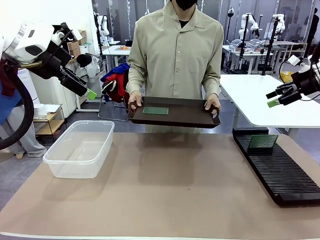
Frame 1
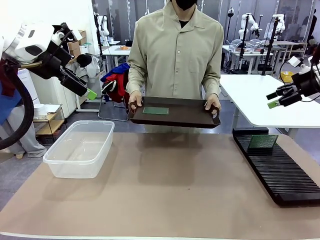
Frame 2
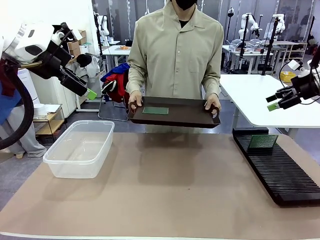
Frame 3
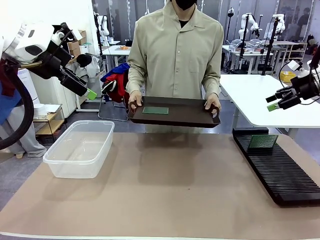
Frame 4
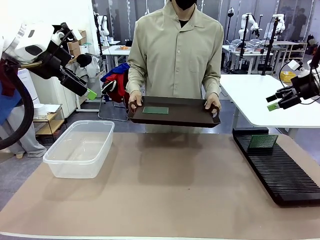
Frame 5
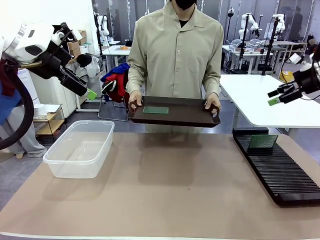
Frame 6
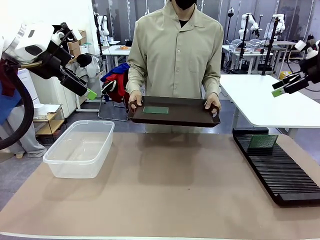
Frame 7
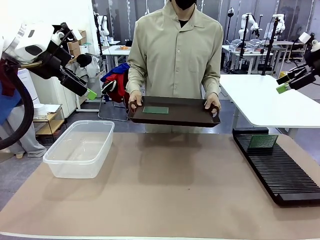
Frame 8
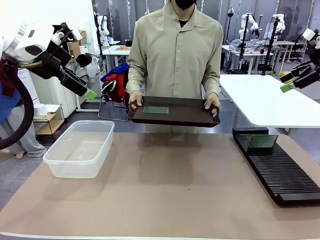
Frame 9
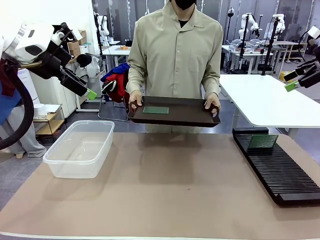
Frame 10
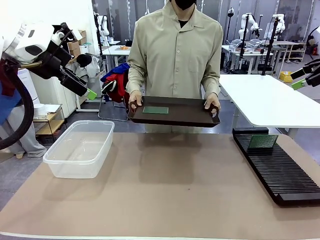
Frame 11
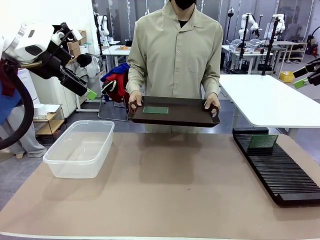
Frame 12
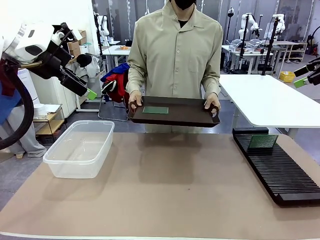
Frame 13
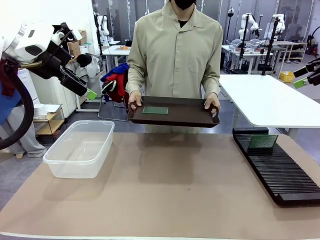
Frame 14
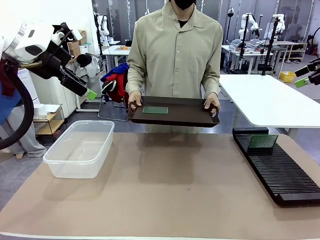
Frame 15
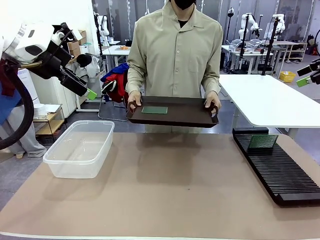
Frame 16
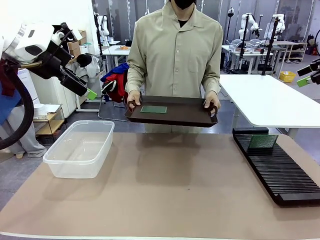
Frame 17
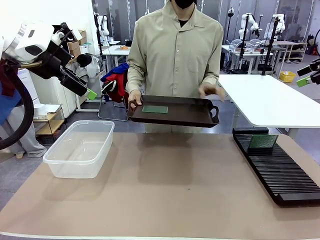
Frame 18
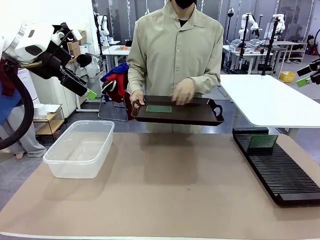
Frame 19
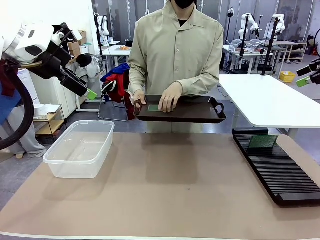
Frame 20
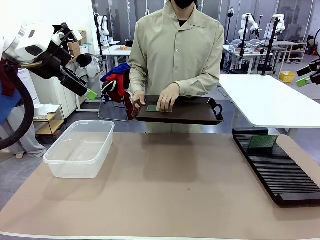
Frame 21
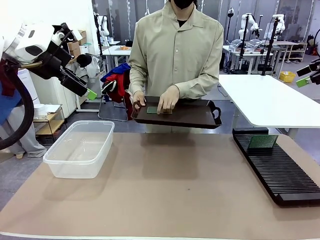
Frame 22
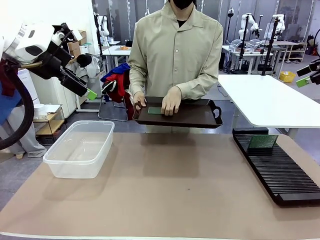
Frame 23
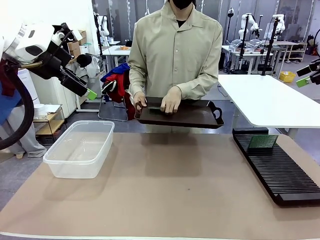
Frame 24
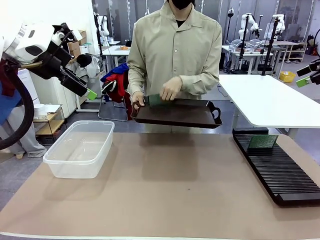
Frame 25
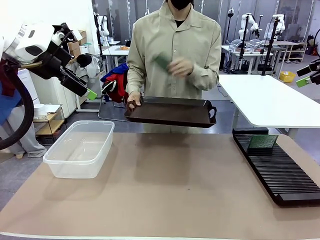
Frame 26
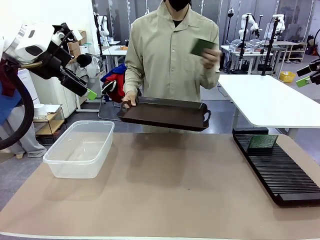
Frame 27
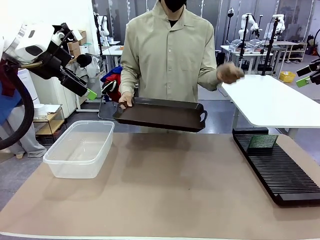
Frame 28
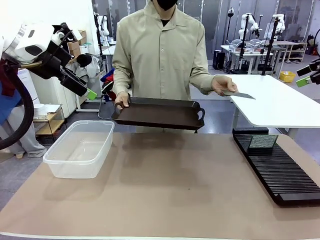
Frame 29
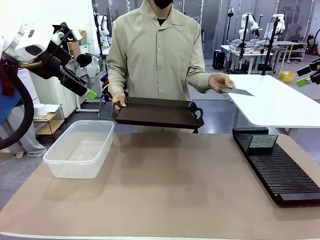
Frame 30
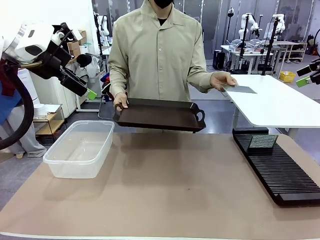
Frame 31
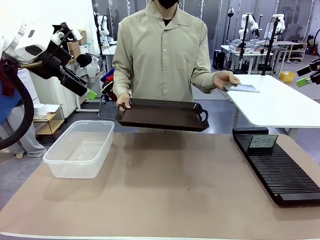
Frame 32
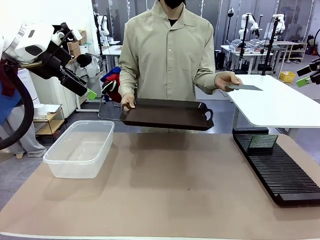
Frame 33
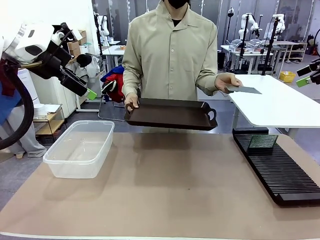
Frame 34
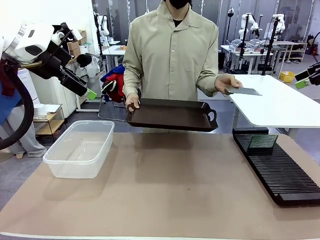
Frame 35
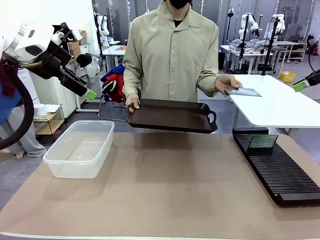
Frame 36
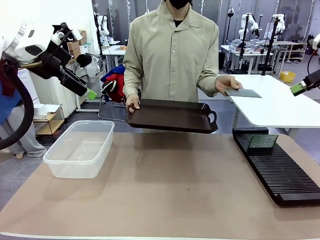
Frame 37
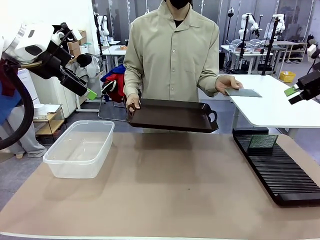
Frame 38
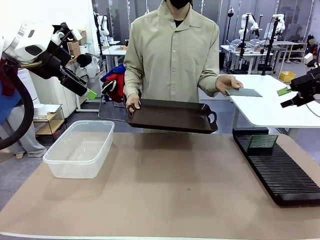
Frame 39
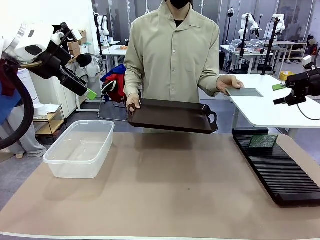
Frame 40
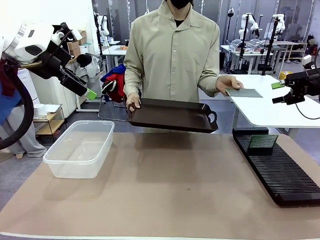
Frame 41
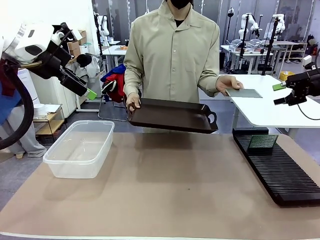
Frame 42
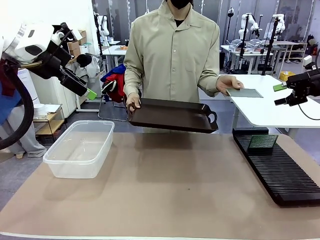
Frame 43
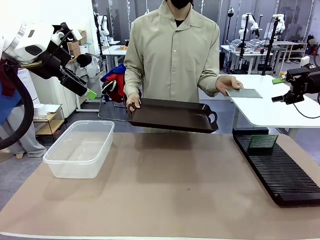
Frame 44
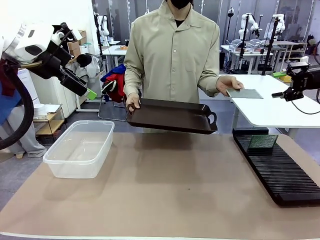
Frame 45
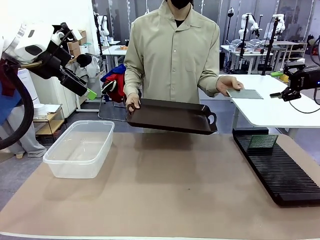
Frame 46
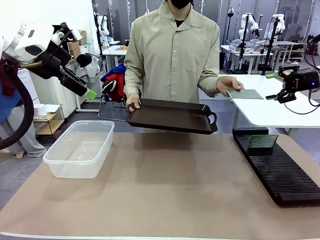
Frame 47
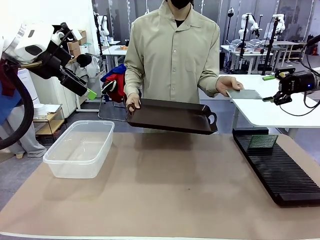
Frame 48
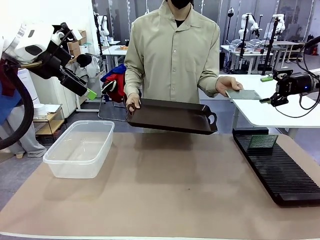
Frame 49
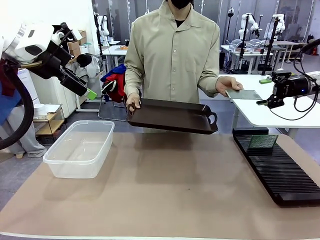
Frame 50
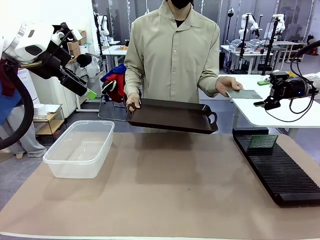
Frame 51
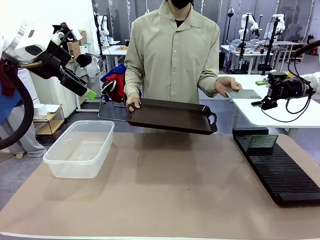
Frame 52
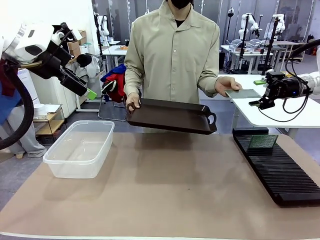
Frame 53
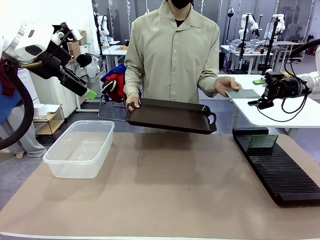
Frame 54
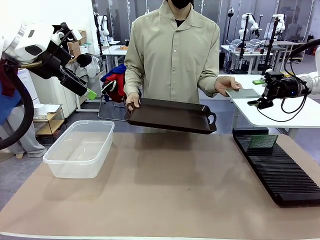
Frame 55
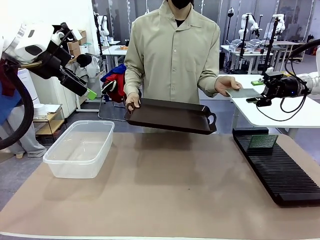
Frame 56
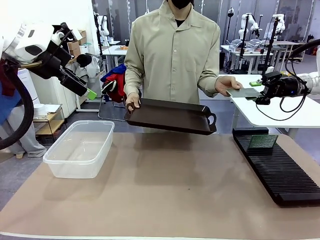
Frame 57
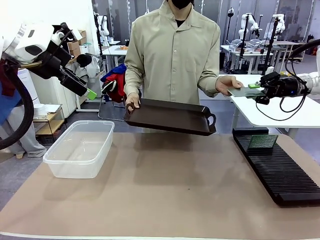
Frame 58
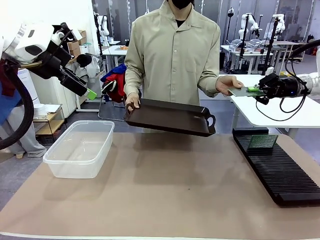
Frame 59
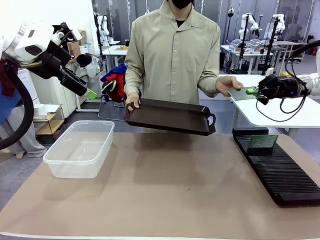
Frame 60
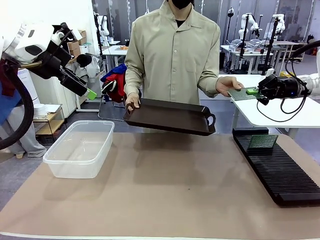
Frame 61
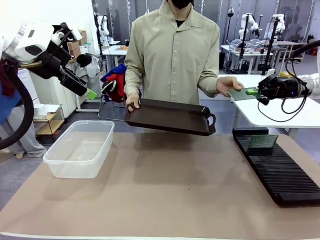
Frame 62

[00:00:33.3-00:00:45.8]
Task: Sort PCBs into racks and boxes based on the side picked up.
Robot: Pick up the Blank PCB handed by the Human.

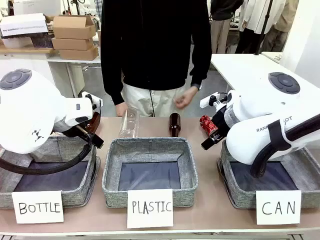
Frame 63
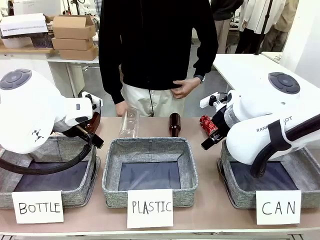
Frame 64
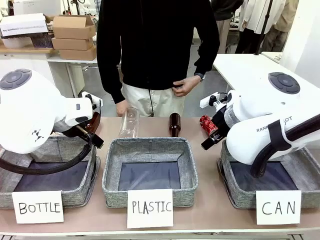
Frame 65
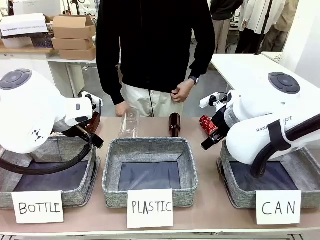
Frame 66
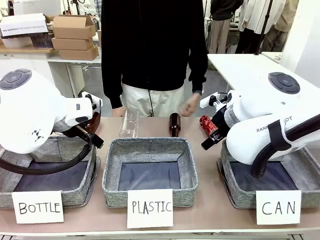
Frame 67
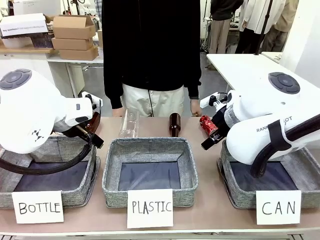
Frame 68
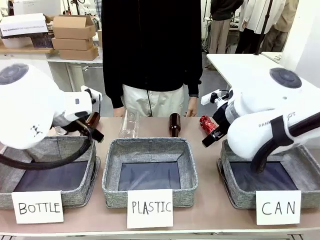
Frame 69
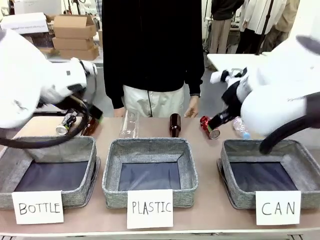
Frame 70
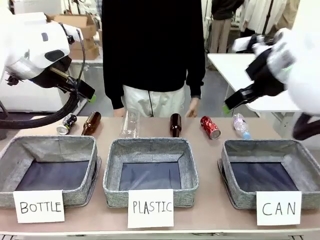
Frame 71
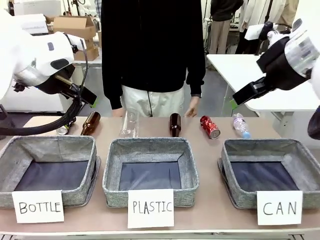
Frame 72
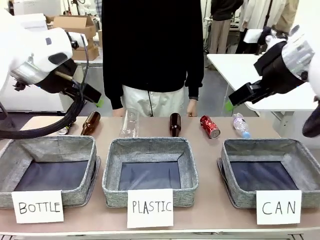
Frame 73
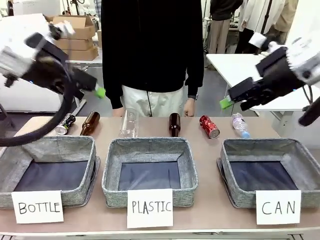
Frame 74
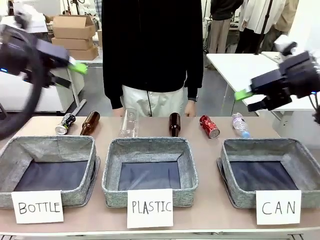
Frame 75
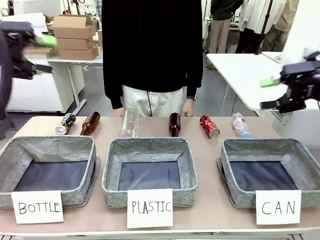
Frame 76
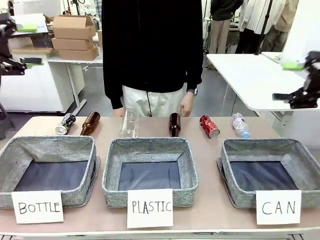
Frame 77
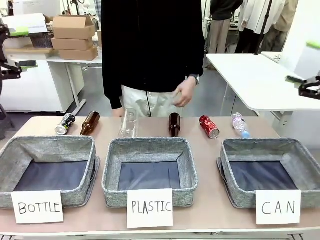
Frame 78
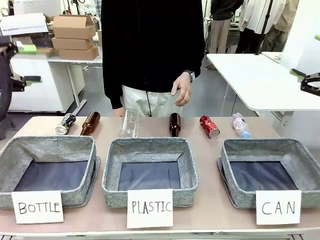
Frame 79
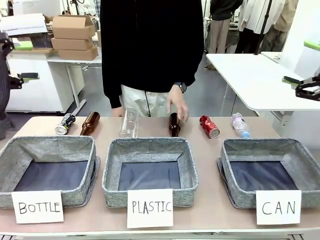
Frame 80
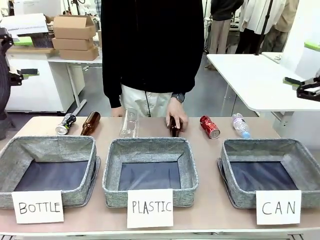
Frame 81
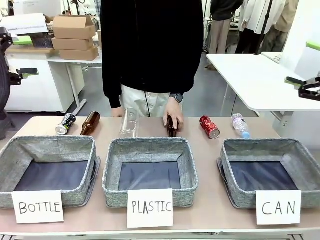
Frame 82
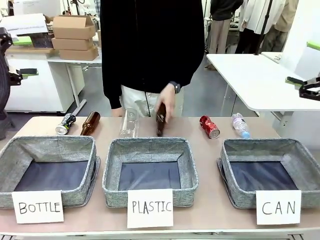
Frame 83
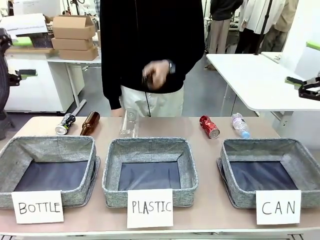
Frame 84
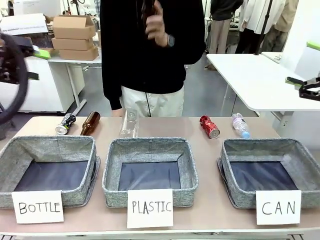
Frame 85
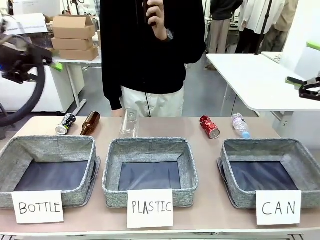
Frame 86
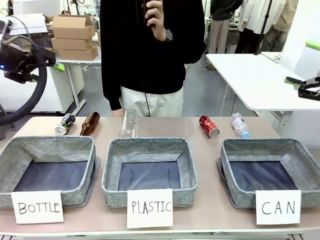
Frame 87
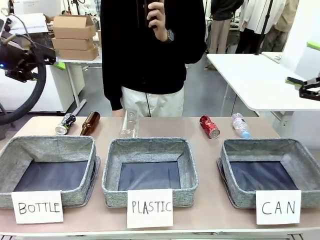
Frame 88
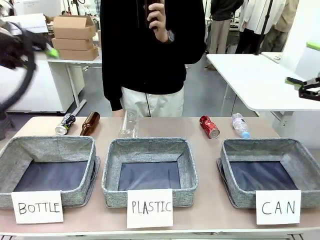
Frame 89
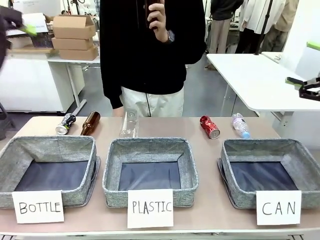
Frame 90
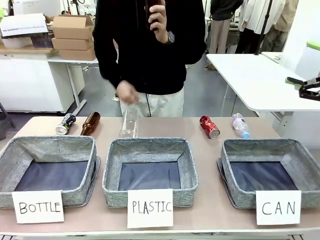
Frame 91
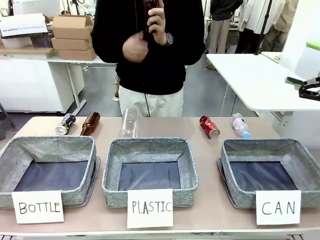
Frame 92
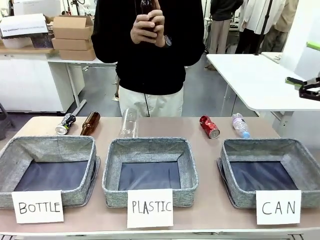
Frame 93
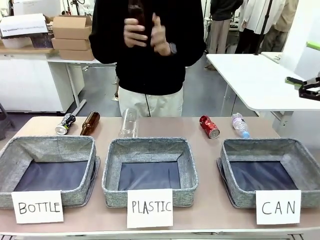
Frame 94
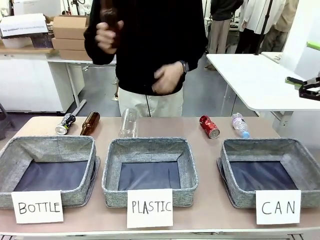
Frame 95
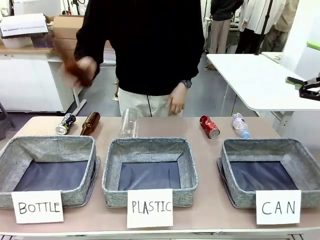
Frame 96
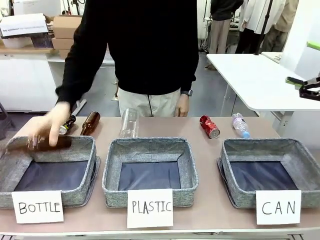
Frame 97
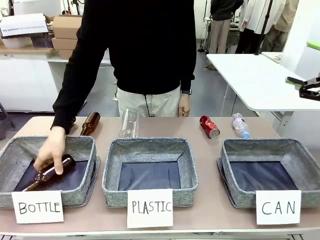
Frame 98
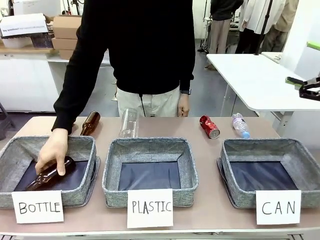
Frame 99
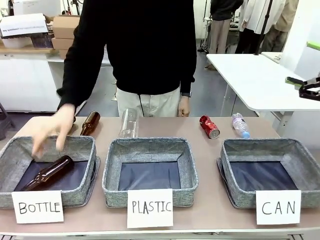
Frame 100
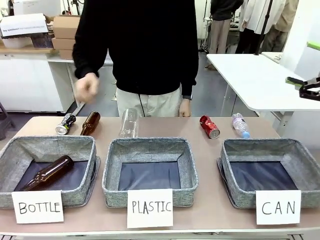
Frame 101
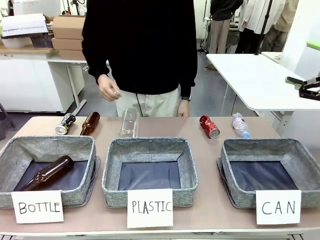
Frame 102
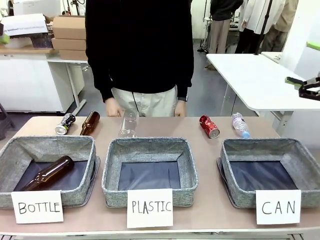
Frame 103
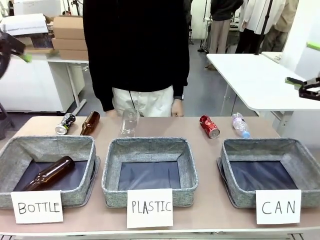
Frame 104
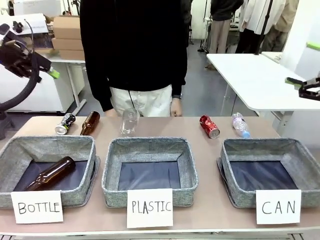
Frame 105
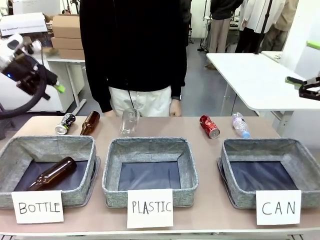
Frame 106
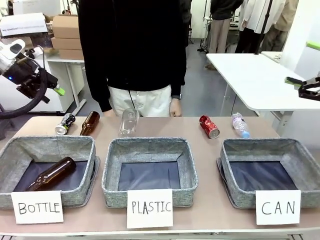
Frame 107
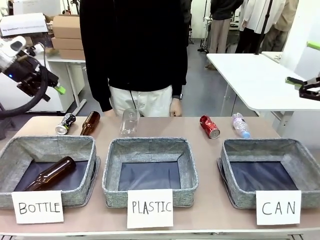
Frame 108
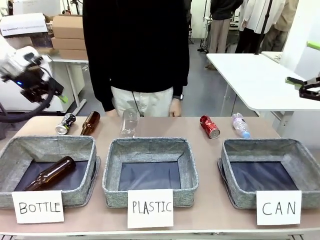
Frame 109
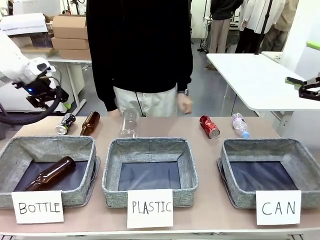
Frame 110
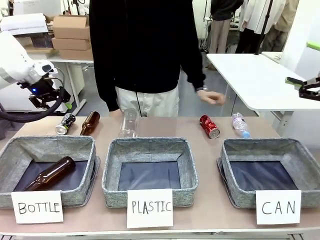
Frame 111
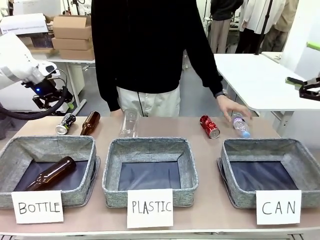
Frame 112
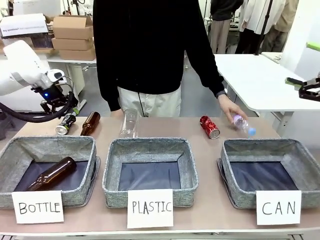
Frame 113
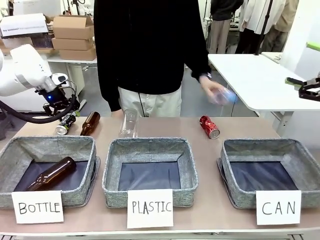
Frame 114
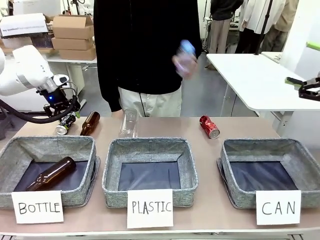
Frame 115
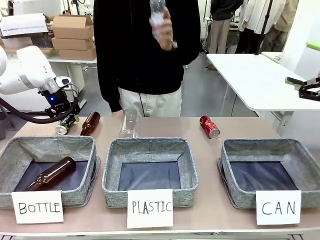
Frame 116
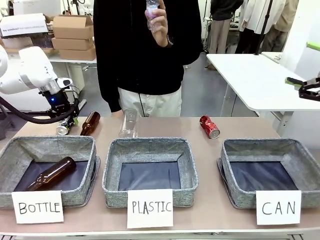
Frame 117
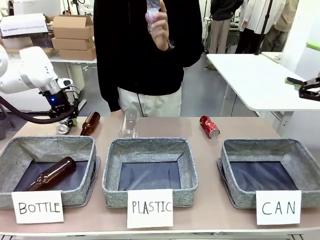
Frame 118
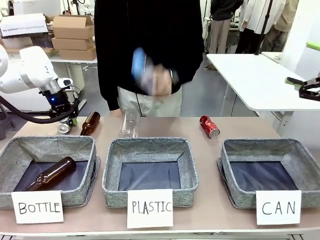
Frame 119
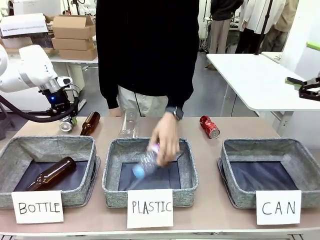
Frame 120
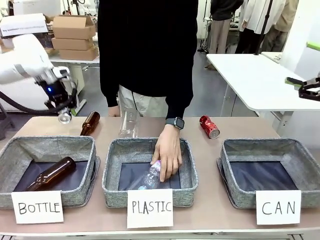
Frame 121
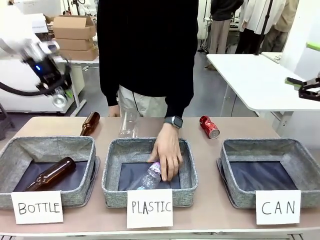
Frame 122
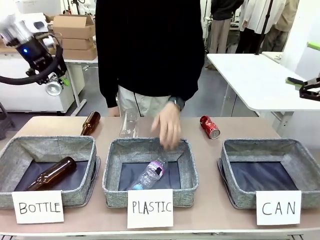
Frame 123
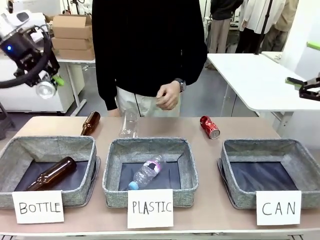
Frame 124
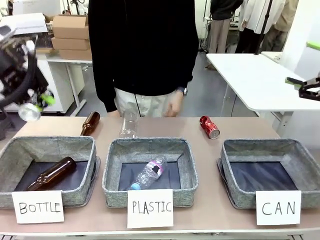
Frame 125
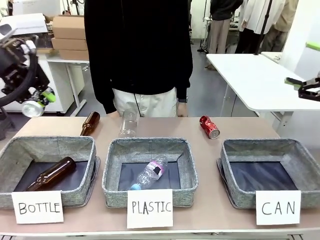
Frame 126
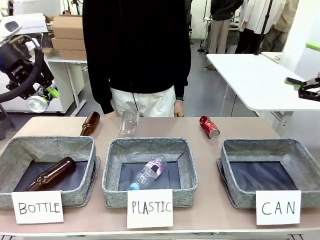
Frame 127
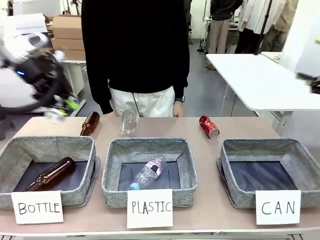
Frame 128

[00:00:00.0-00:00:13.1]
Task: Sort the can waste into the basket.
Robot: Pick up the can waste from the table and place it in the right Fabric basket.
